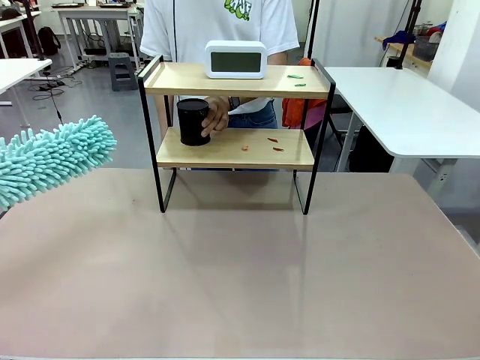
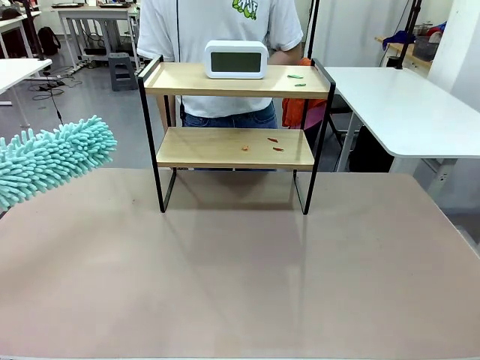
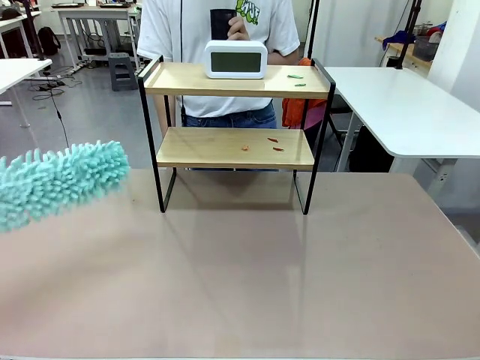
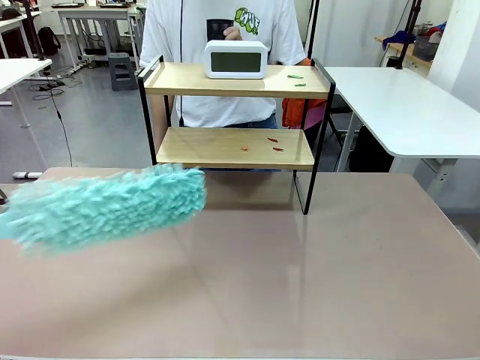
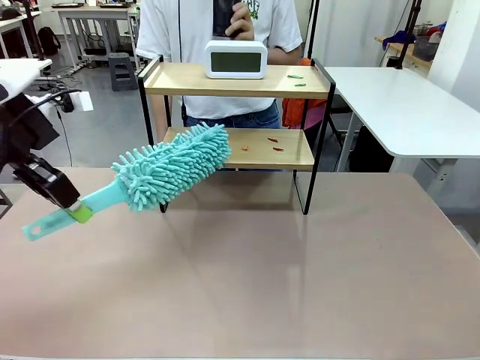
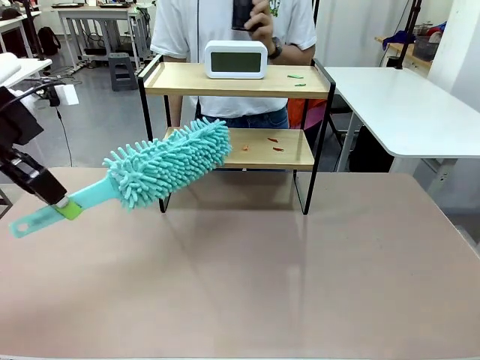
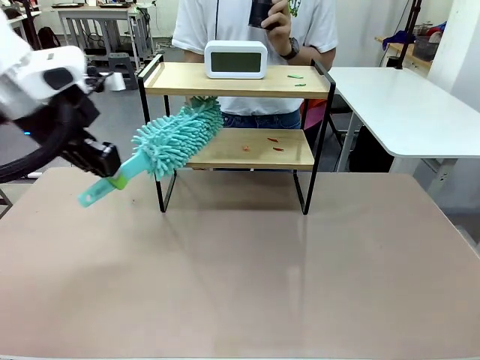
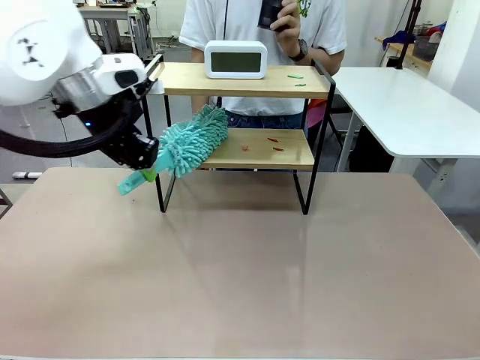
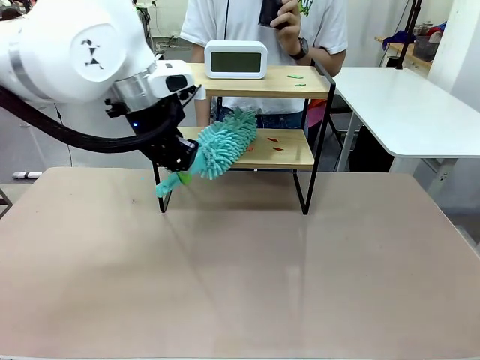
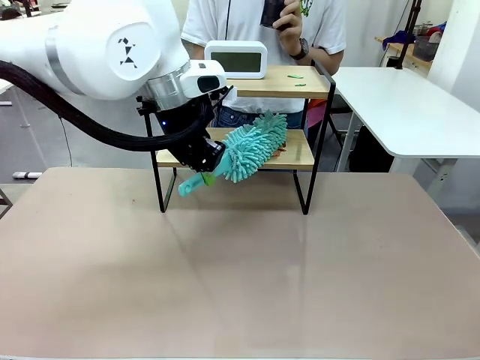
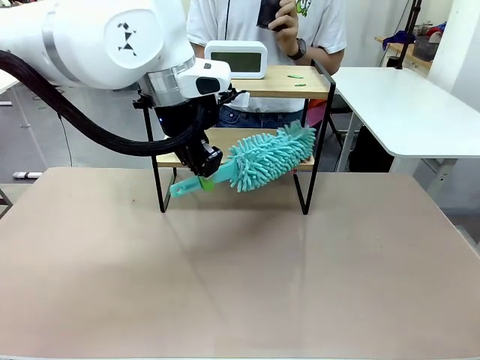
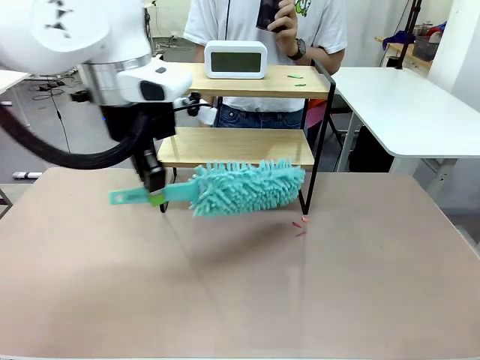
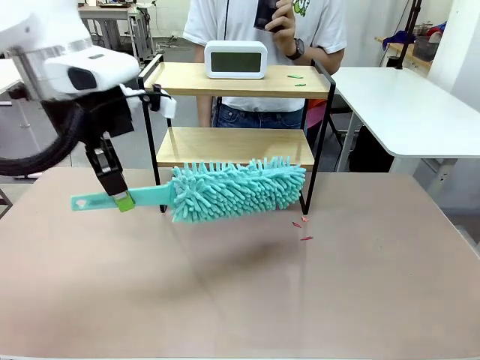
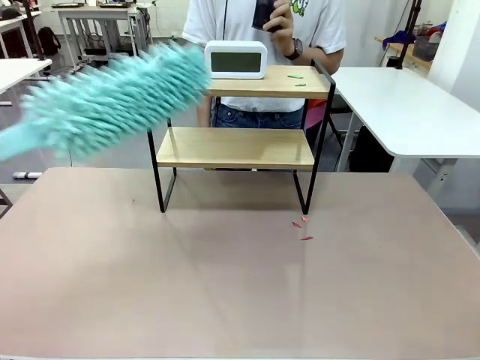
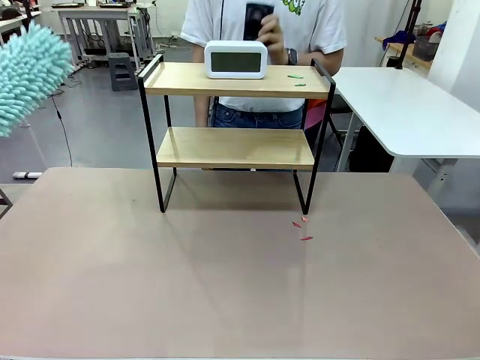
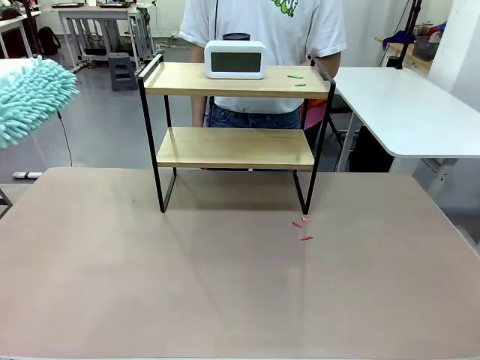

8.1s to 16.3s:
Task: Clean the shelf.
Robot: Clean the specific tier of the Shelf with the Duster once objects are removed.
Person: Lift the objects on a randomly selected tier of the Shelf. Once the robot finishes cleaning, lift the objects on the remaining tiers of the Shelf.

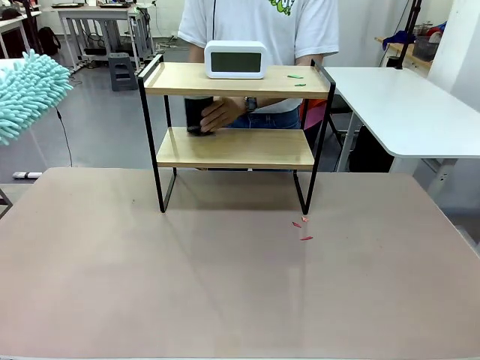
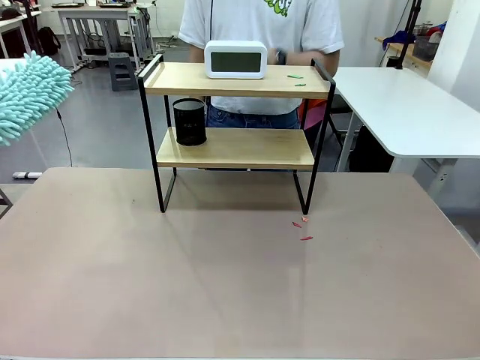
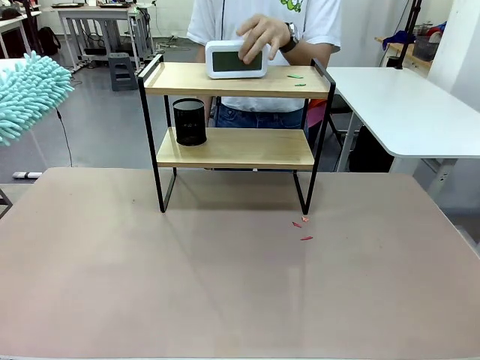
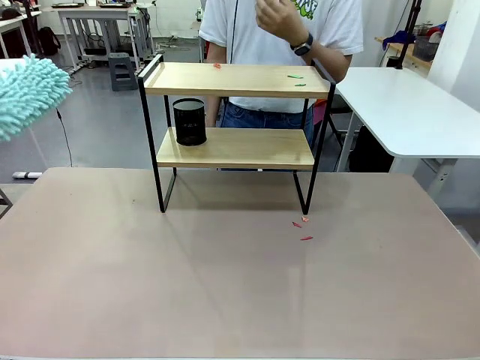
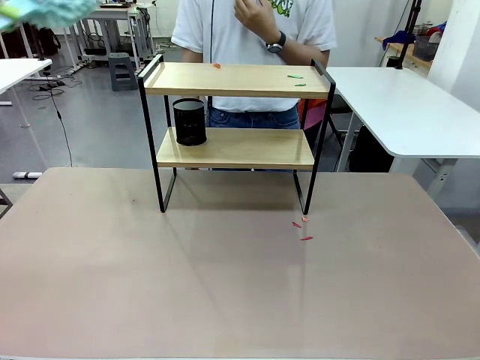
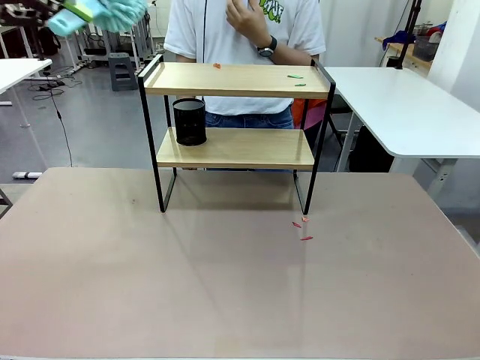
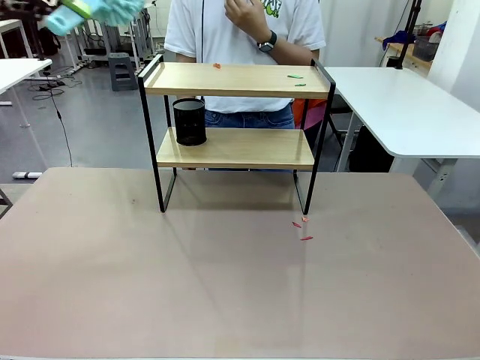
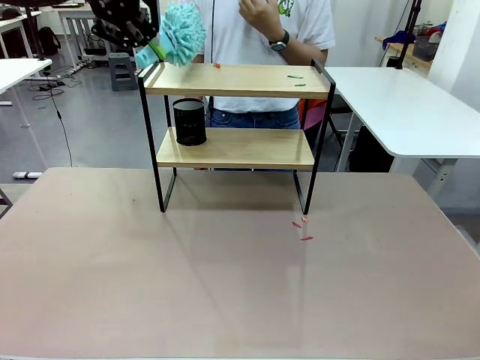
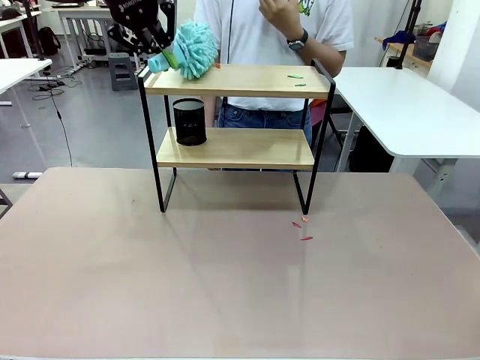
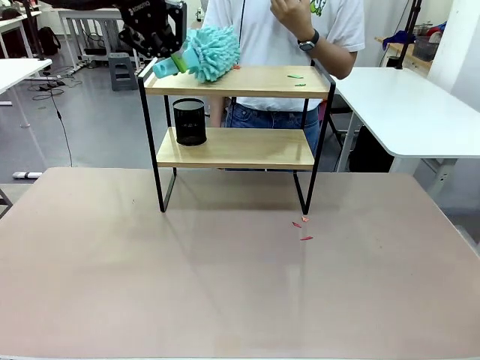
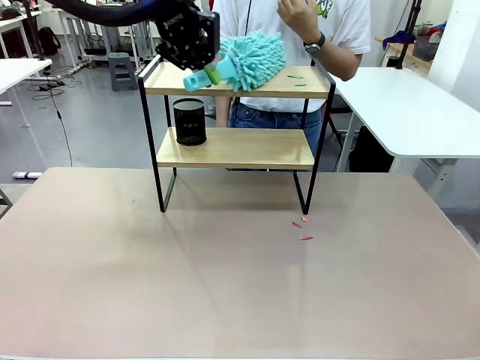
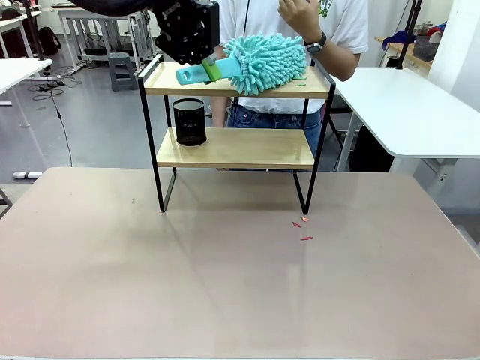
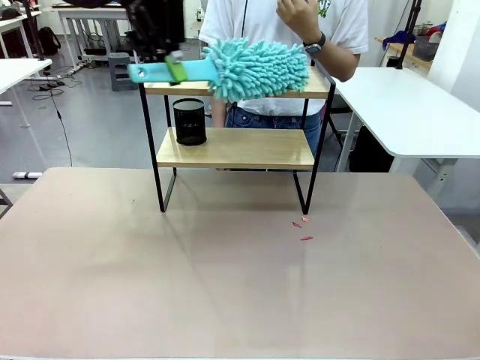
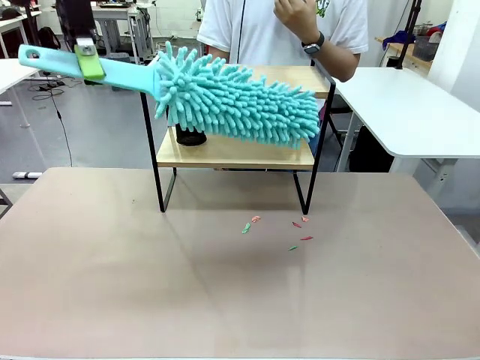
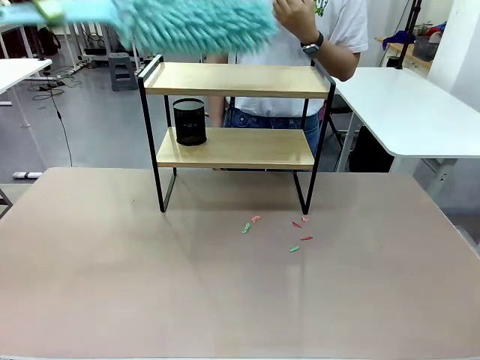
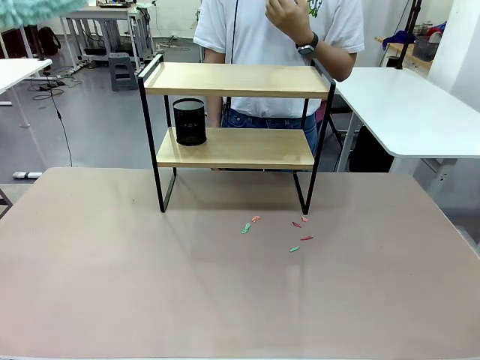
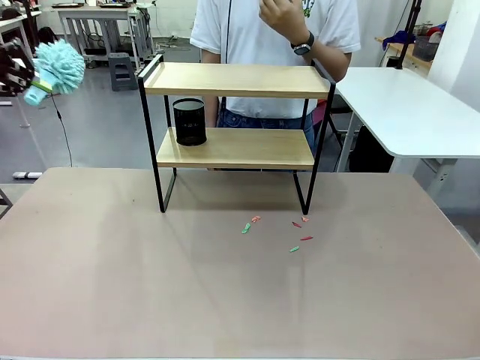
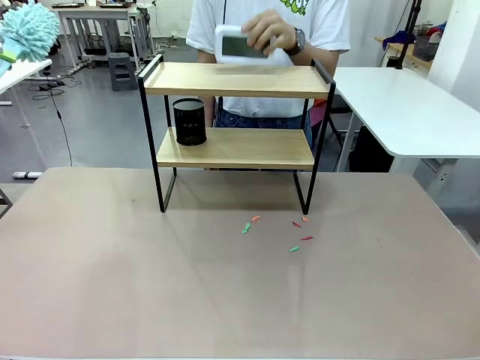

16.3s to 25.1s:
Robot: Clean the remaining tier of the Shelf with the Duster once objects are removed.

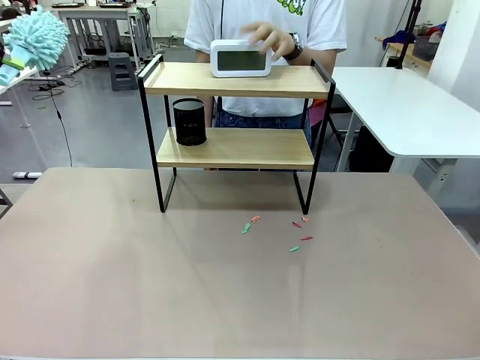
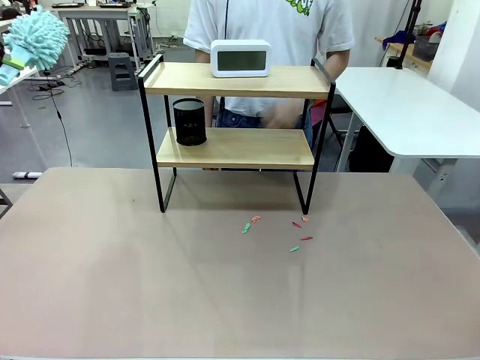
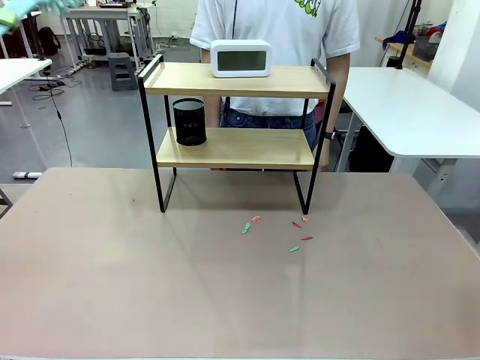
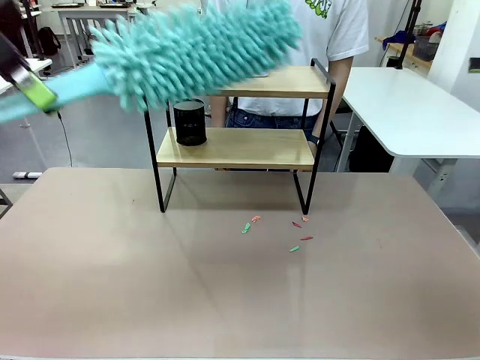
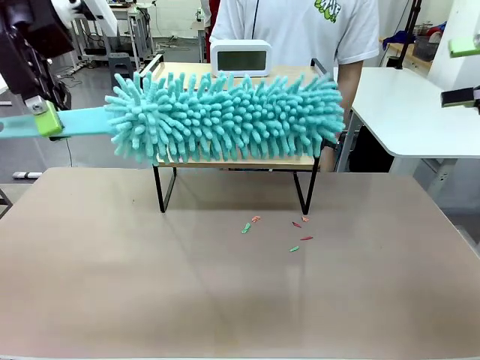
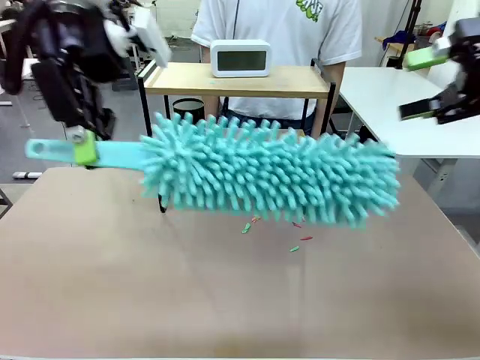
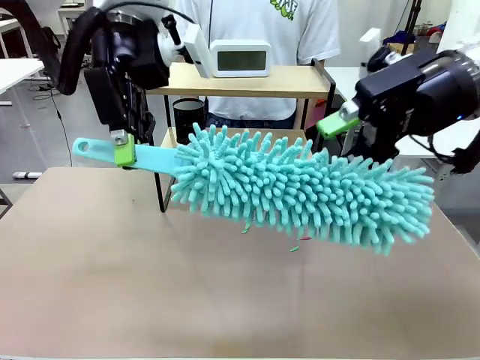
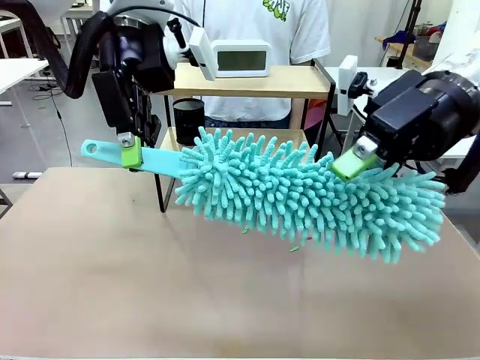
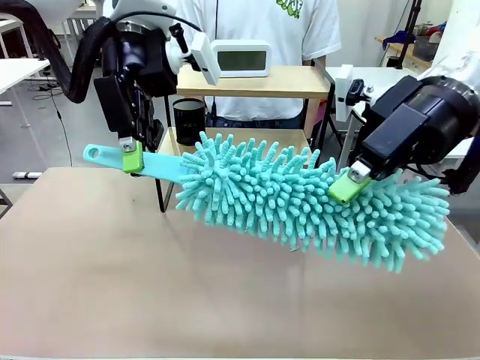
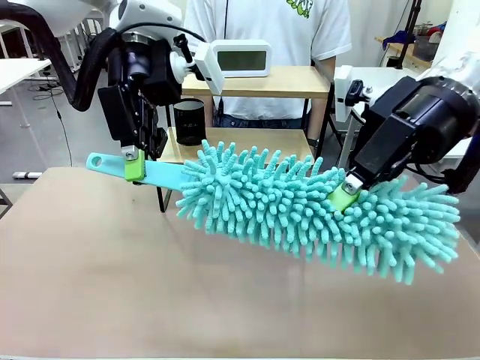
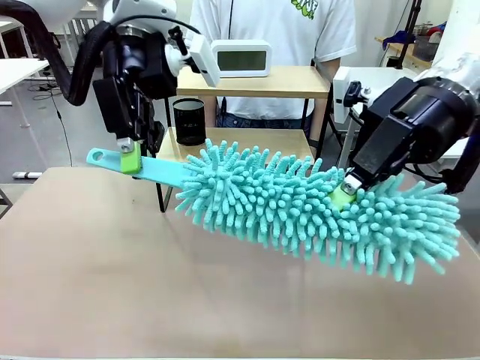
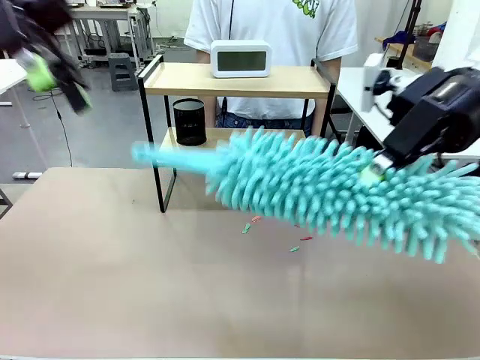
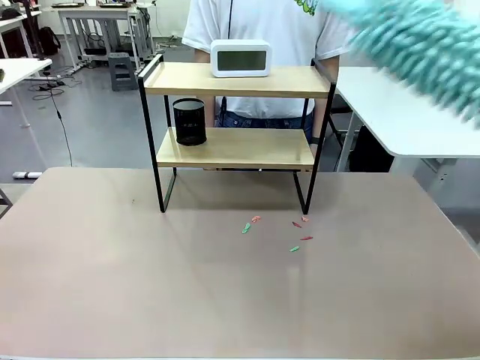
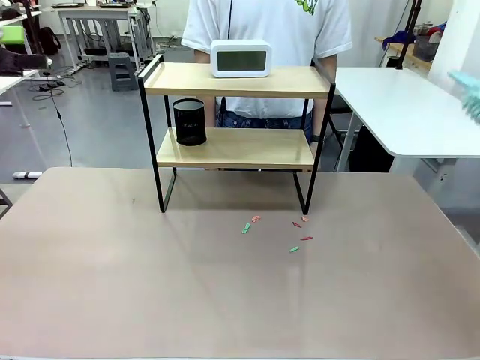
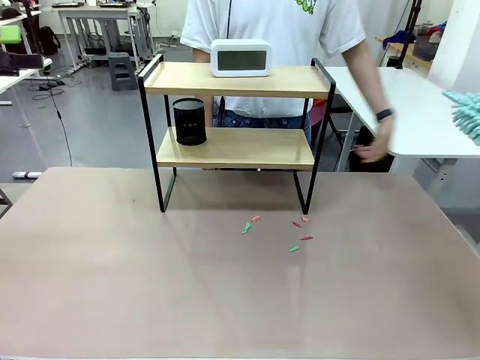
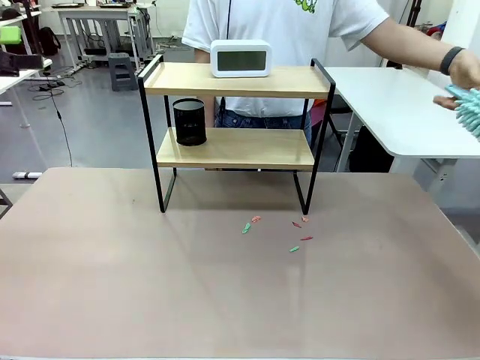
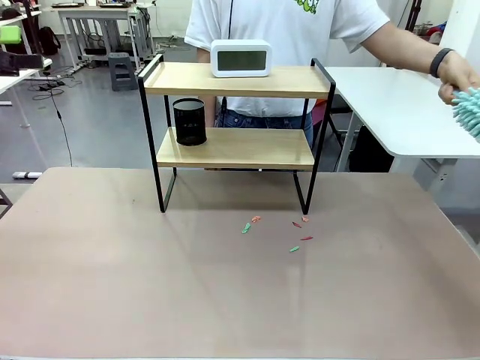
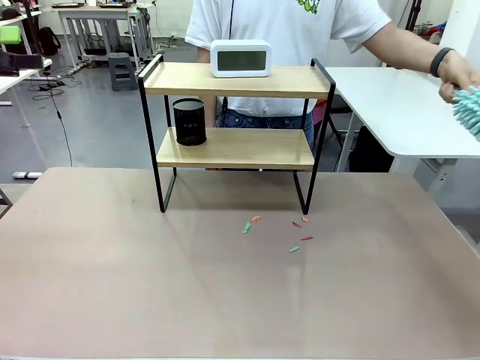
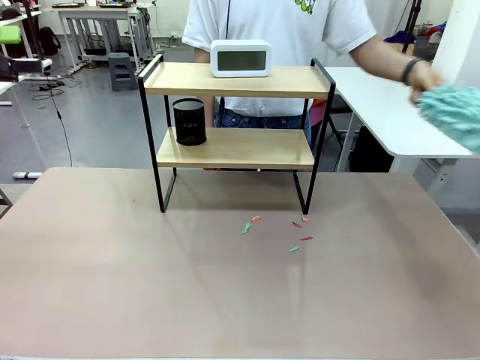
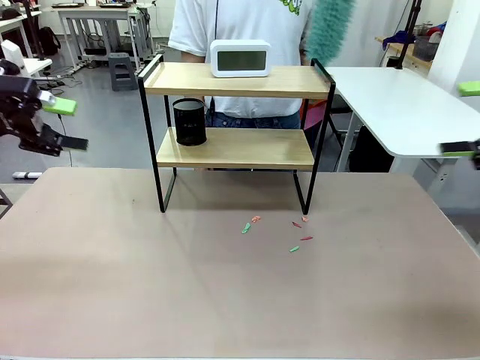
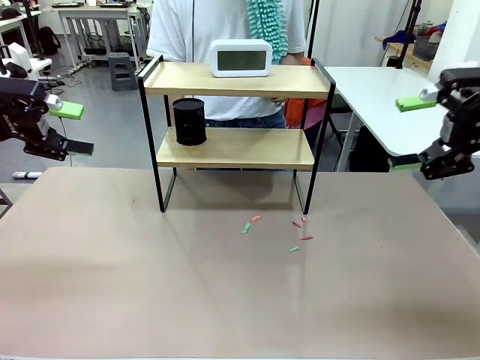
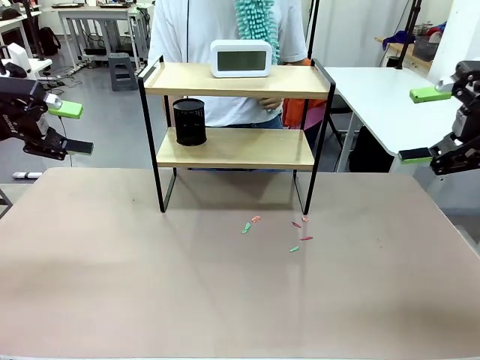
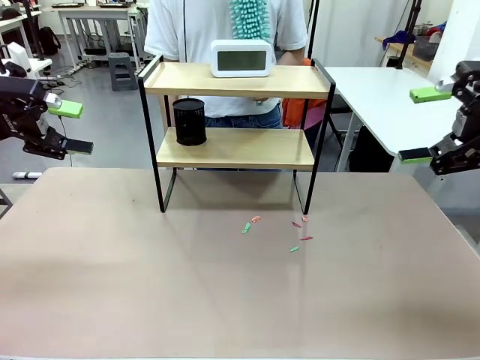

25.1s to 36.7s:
Robot: Hand the Duster back to the human.
Person: Receive the Duster from the robot.
